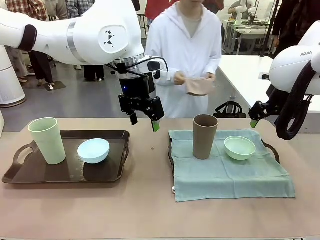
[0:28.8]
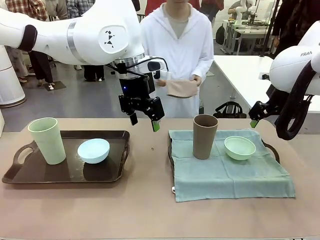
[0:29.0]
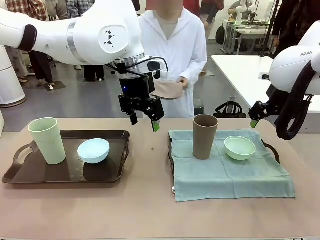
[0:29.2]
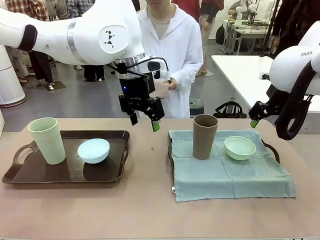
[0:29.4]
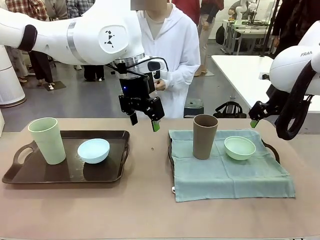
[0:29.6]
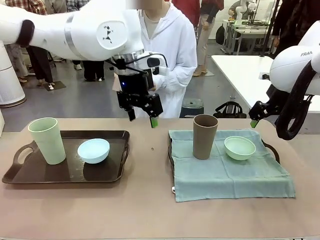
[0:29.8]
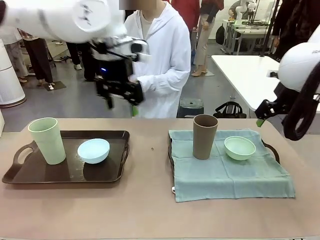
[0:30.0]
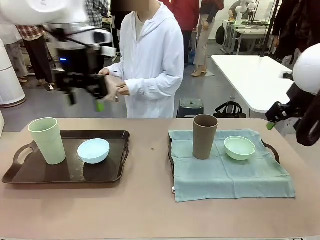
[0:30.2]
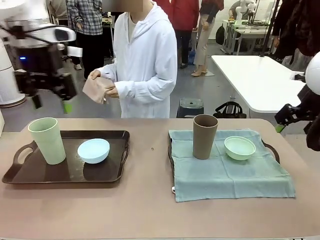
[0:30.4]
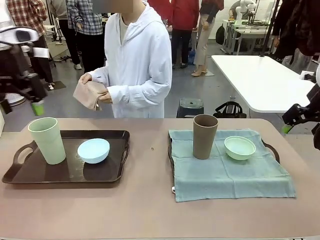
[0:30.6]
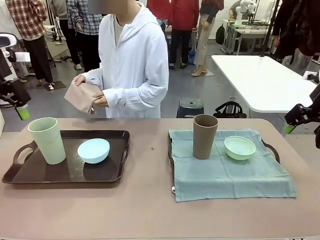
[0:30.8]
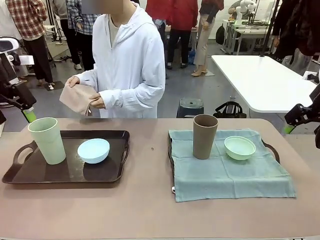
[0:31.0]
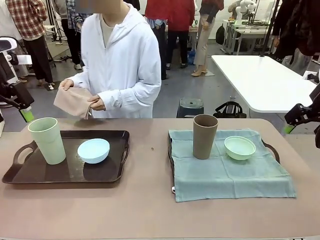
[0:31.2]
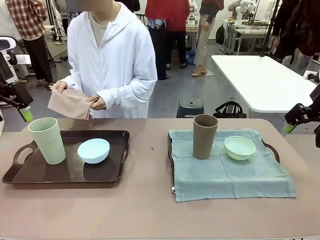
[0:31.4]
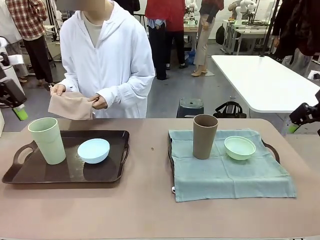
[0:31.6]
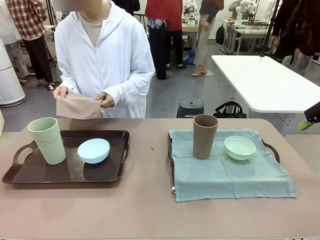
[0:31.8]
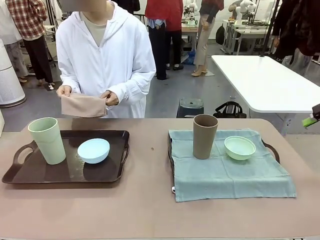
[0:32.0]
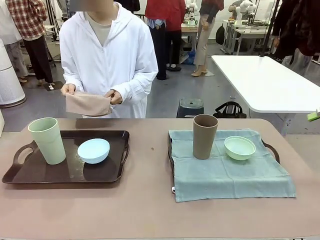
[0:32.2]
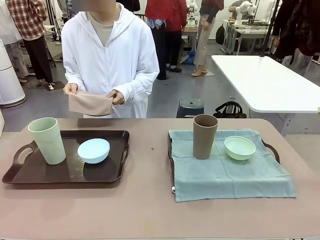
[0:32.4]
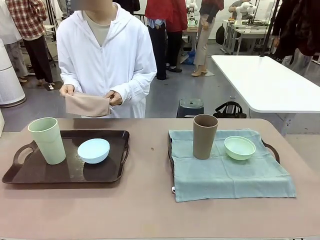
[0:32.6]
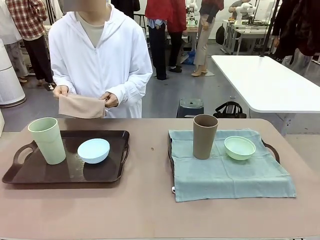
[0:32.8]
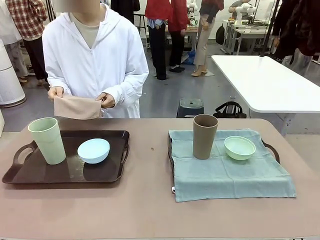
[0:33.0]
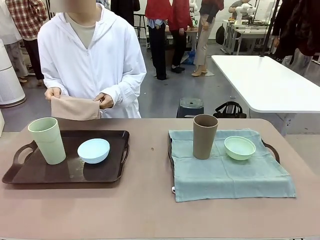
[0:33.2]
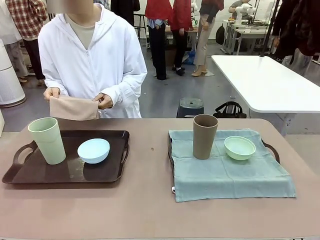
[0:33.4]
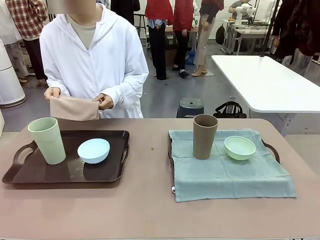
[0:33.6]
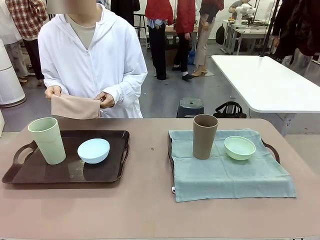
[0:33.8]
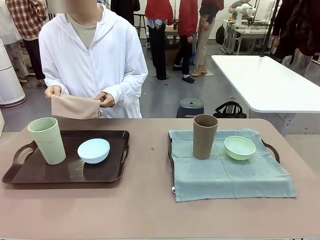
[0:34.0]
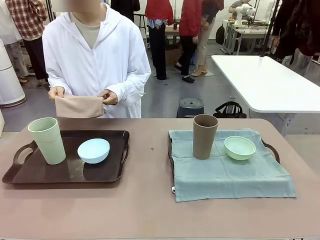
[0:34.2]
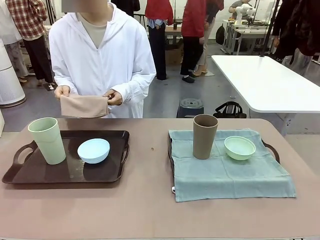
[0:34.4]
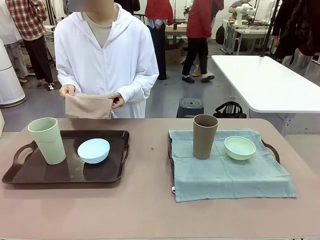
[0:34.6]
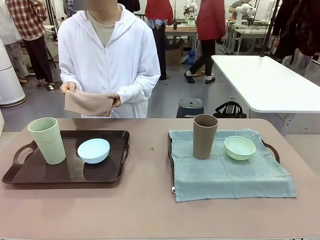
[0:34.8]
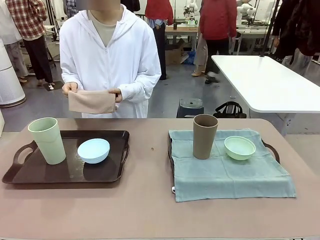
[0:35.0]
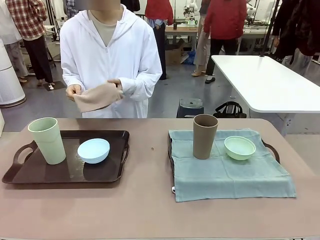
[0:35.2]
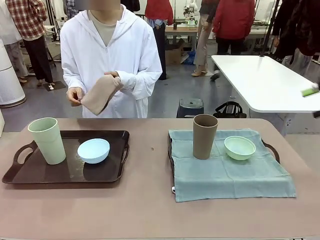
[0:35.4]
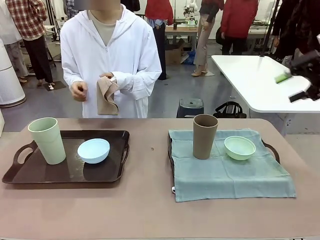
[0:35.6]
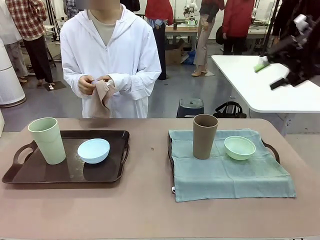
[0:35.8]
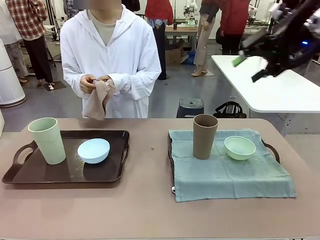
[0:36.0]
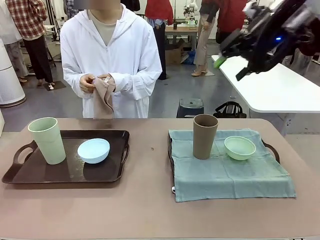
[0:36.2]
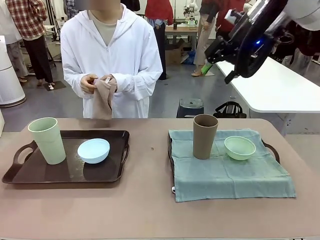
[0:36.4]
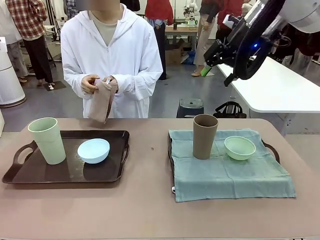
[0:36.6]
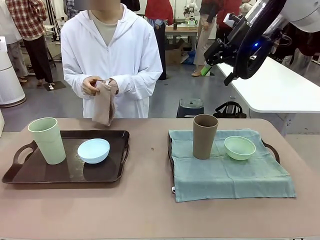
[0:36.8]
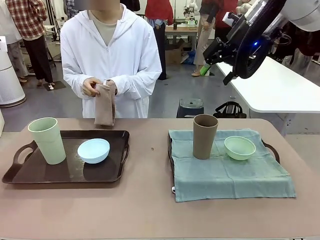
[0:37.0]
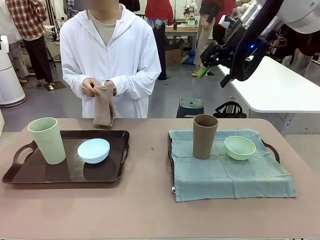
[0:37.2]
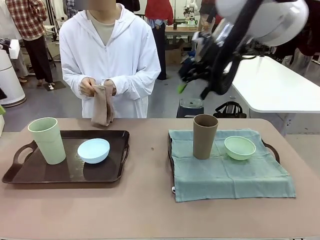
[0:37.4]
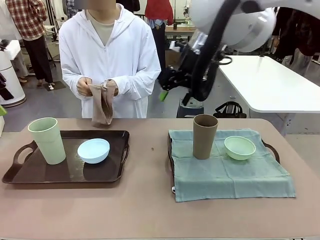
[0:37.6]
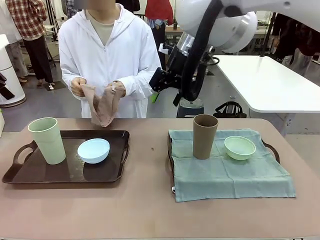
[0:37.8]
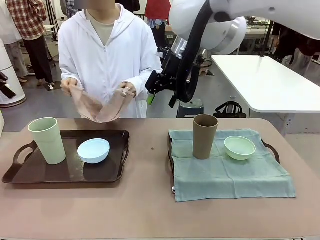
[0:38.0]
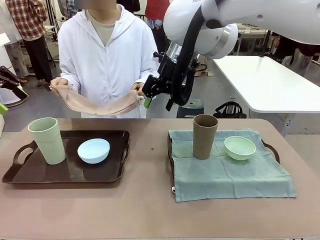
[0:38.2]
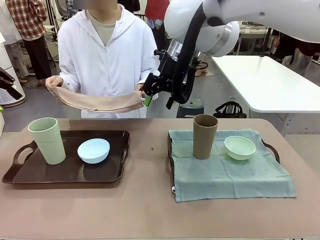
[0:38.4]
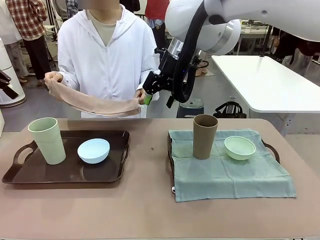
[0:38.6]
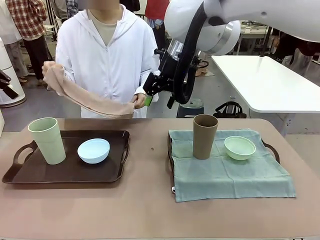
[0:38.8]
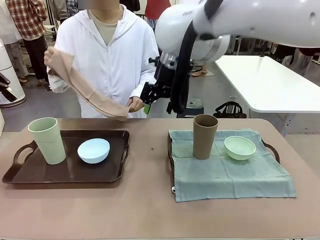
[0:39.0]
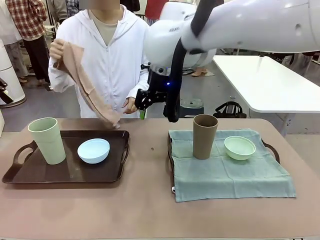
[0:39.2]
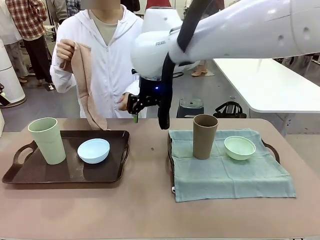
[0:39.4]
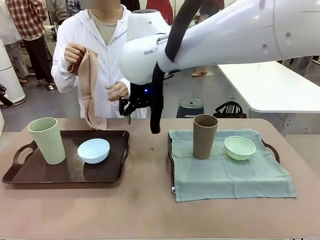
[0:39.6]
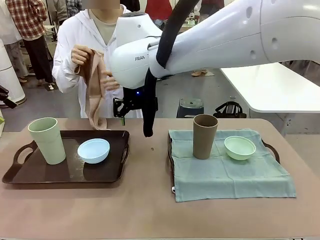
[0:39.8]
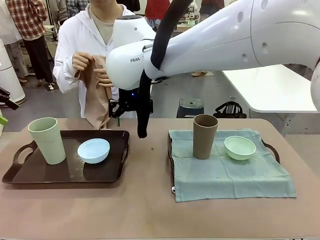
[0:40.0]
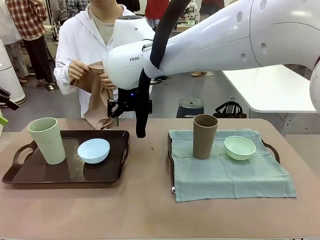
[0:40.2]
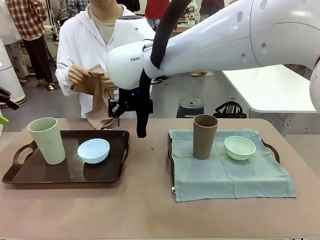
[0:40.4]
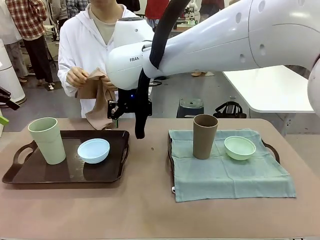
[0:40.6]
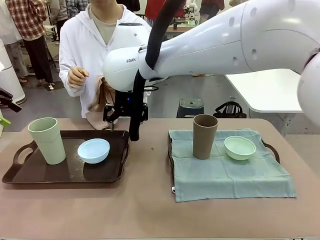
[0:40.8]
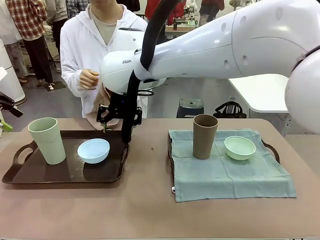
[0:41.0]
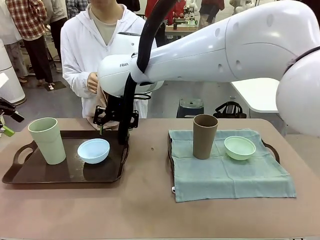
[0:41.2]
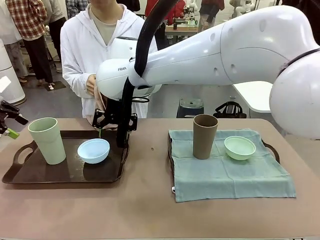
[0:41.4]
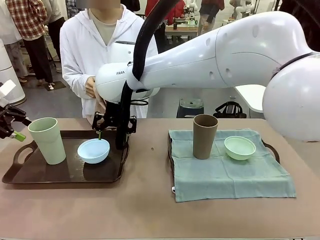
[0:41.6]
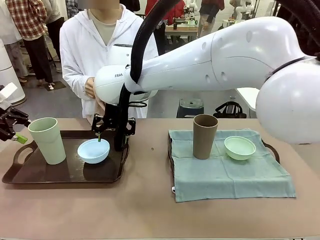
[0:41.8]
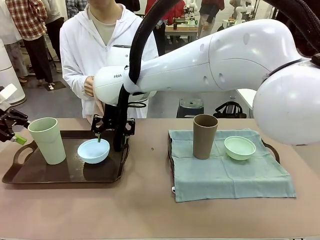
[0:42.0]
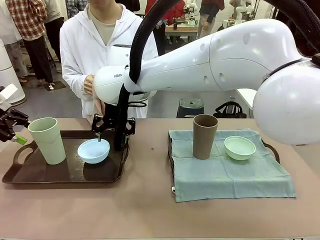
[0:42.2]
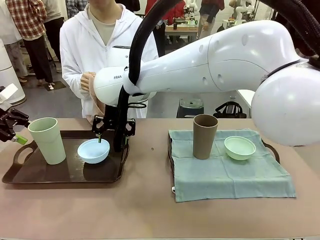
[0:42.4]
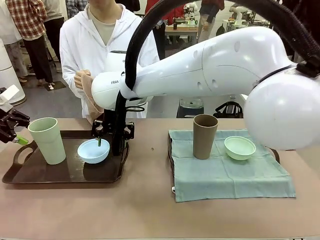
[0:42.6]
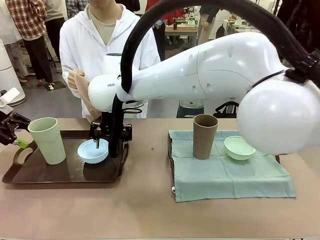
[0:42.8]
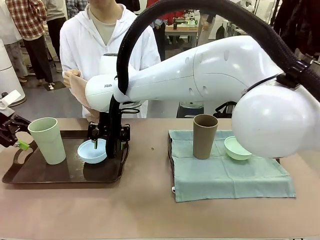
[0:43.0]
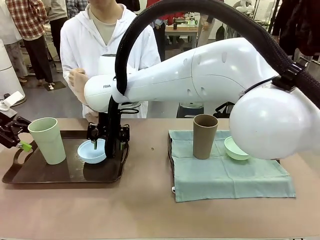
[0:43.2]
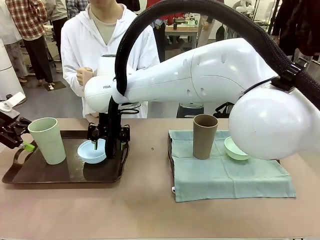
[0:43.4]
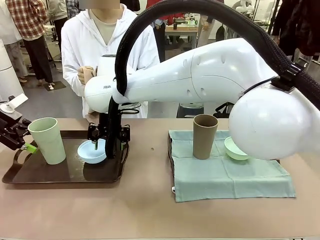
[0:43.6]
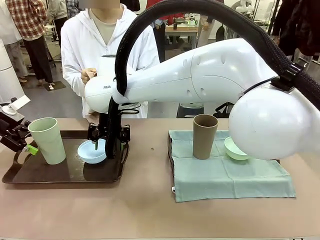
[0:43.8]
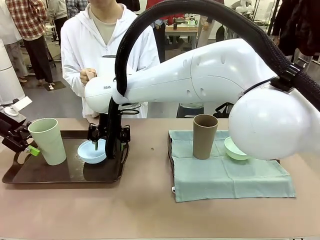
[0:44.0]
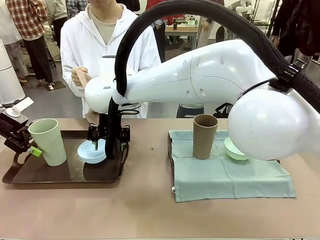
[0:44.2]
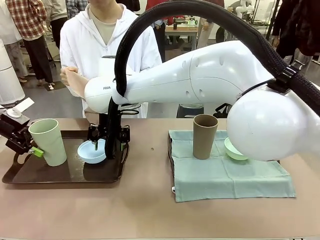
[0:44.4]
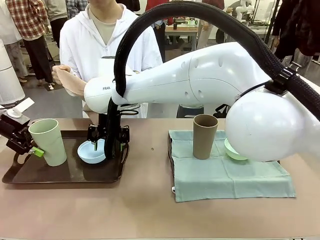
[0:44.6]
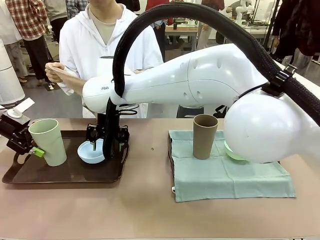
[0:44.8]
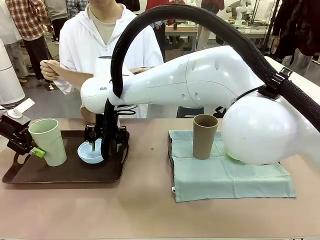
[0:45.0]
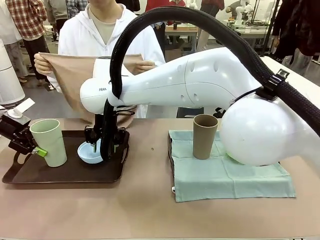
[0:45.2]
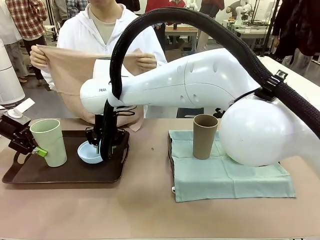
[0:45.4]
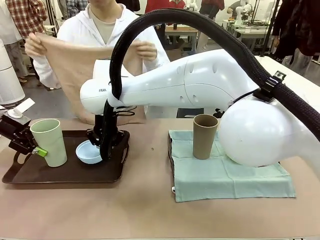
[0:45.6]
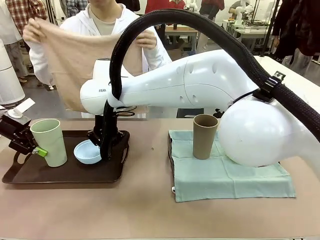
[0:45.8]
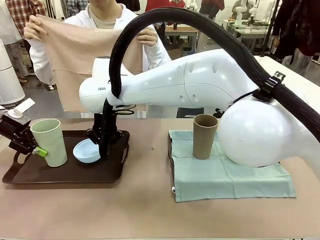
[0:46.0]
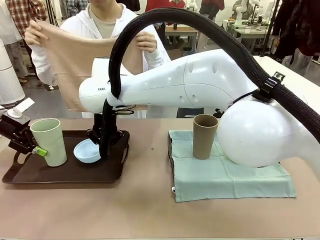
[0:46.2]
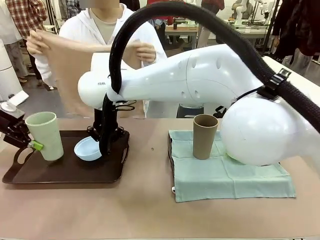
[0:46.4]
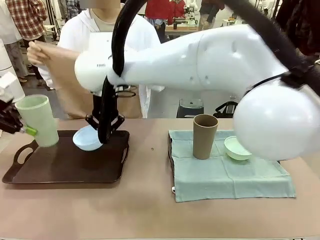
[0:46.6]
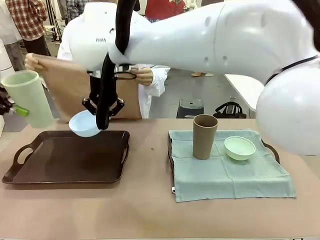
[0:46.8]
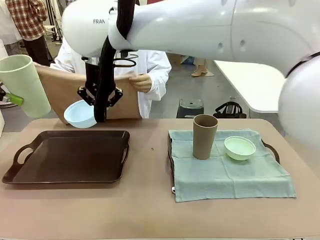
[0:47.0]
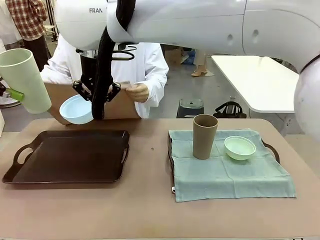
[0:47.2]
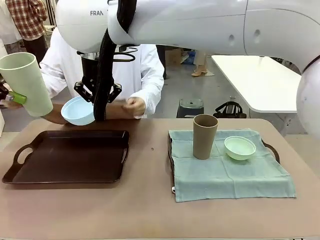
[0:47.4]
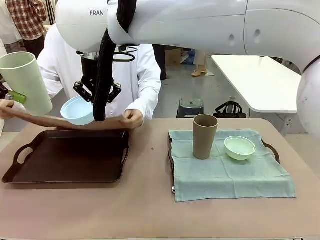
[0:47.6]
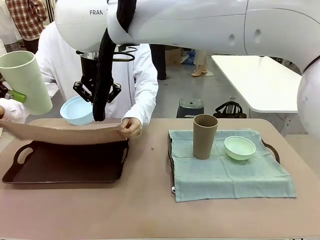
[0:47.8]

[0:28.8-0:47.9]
Robot: Pick up the Picnic Bowl and Reusable plastic cup from the Handle tray in front of the human's position and hold them in the air.

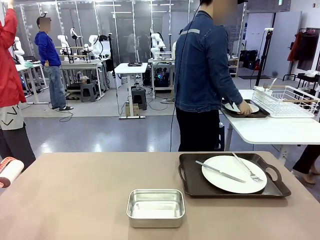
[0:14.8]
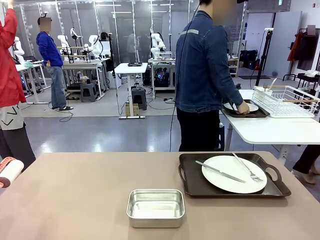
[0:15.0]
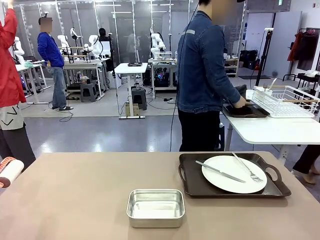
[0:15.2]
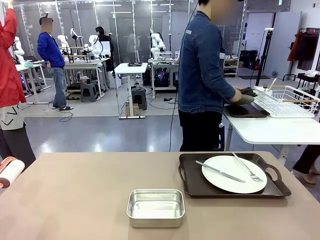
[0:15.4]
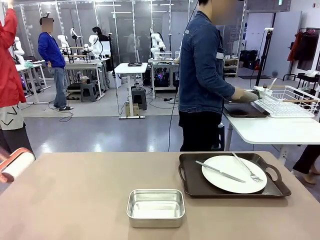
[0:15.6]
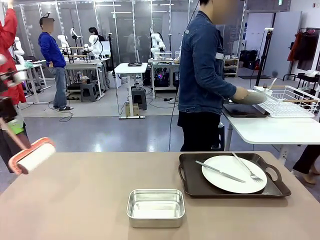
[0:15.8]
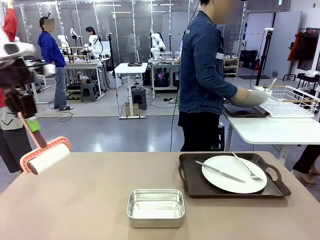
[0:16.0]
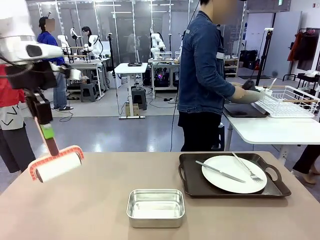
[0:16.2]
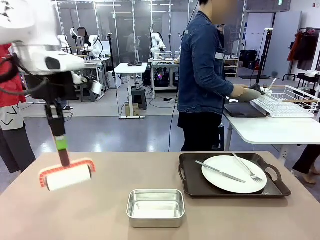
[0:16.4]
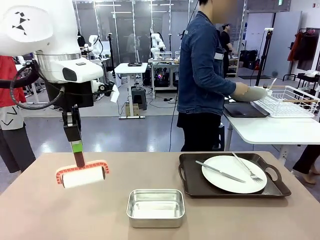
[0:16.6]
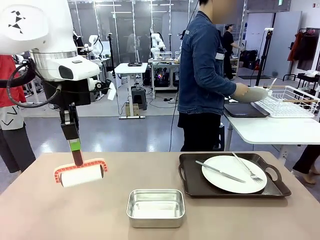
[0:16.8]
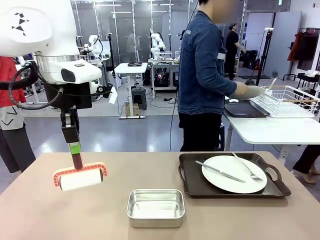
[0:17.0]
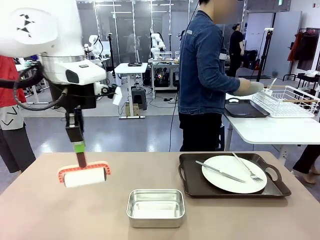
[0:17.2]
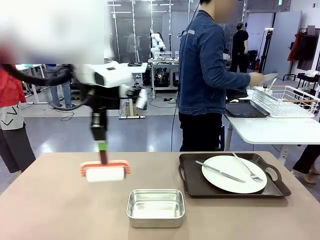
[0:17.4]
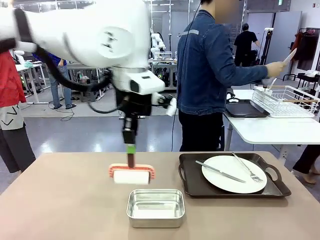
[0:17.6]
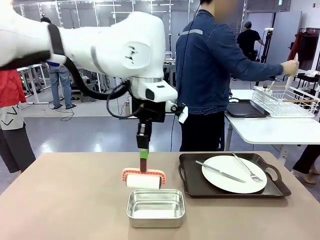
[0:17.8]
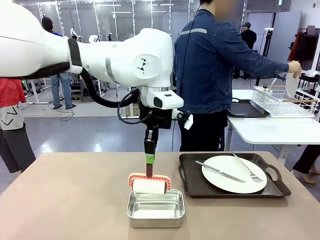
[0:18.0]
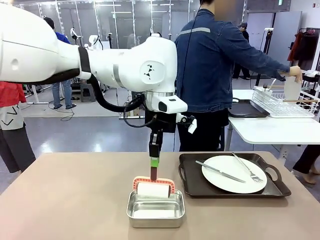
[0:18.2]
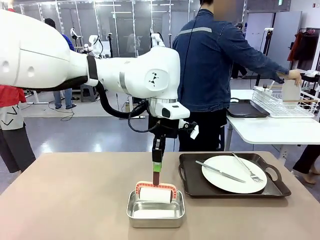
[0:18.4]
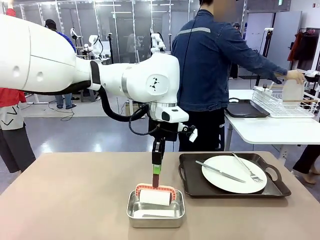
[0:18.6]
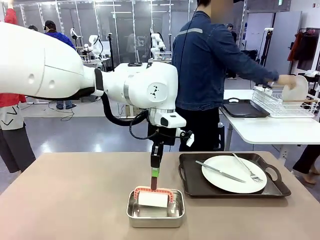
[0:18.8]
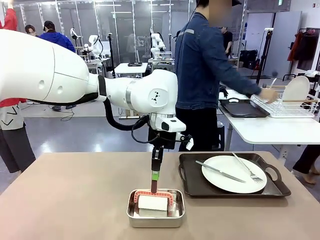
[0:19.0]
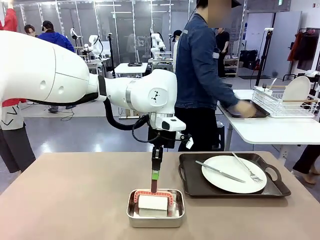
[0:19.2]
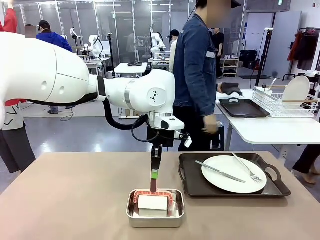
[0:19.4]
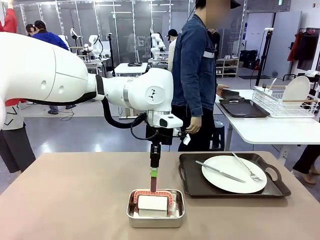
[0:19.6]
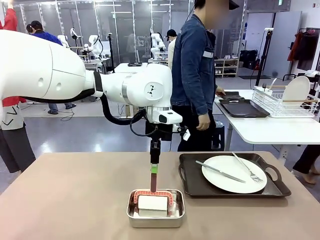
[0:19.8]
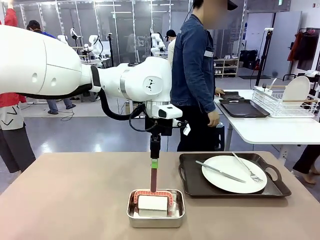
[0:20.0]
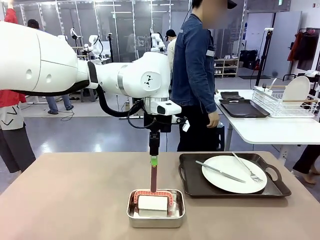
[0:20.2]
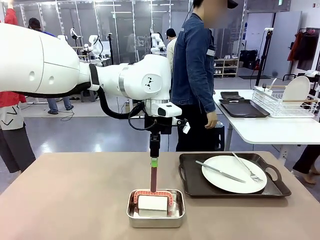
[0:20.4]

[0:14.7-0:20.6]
Robot: Place the Lint Roller back on top of the Airtight Container.
